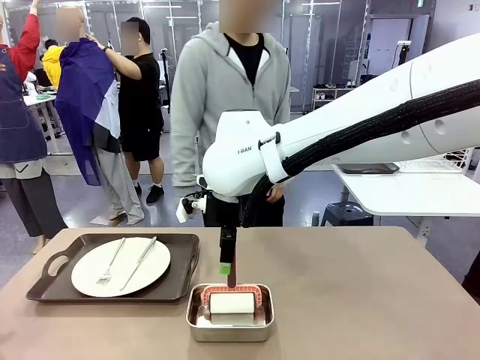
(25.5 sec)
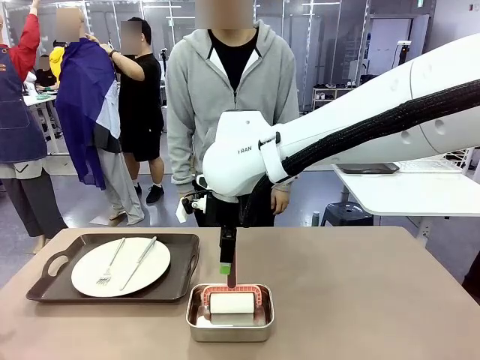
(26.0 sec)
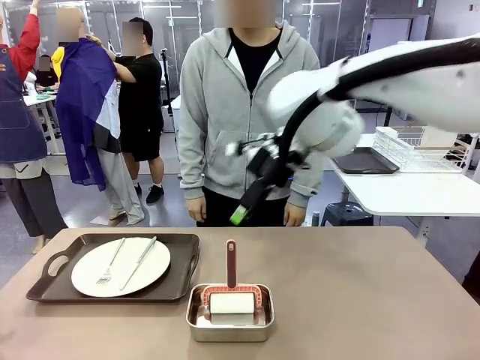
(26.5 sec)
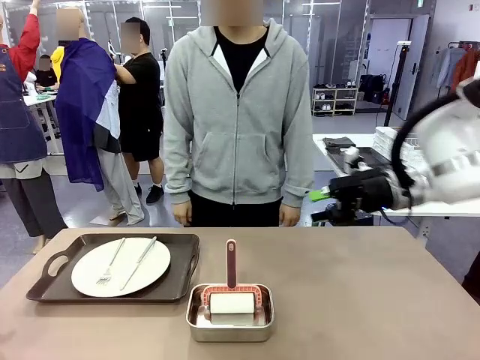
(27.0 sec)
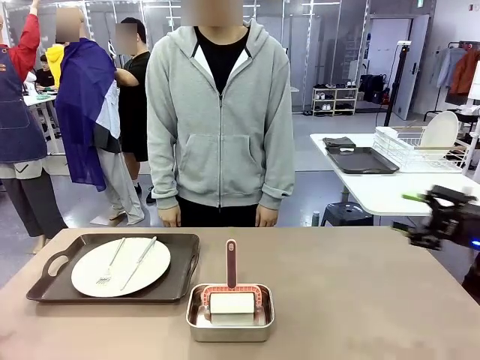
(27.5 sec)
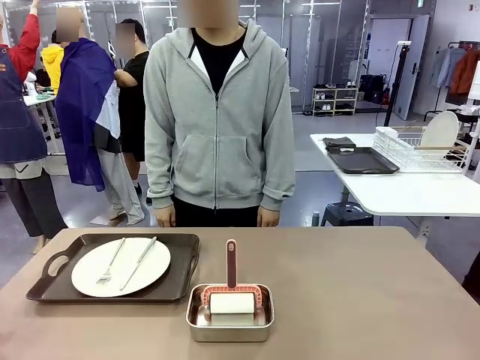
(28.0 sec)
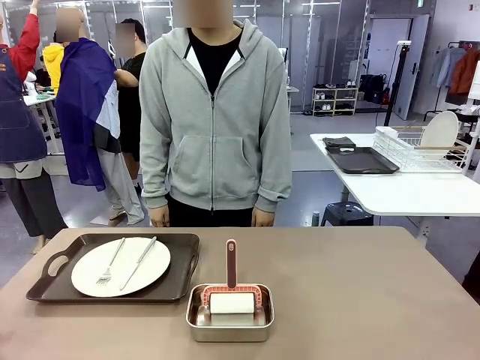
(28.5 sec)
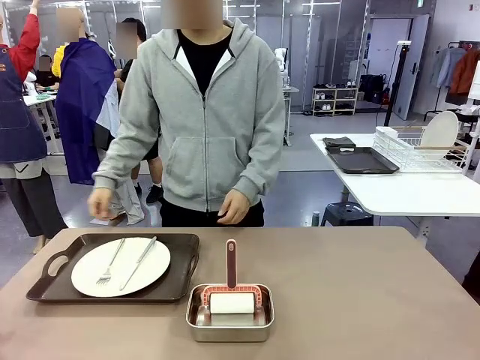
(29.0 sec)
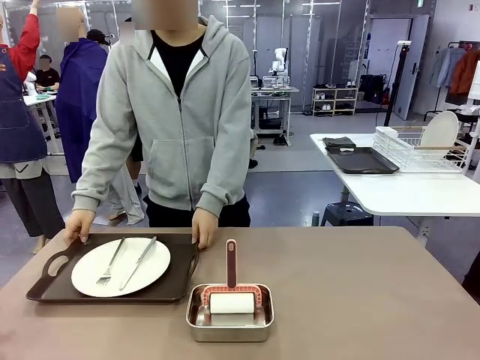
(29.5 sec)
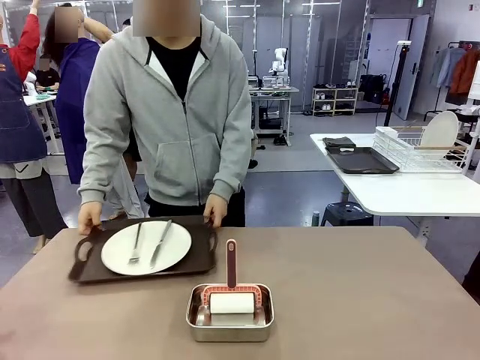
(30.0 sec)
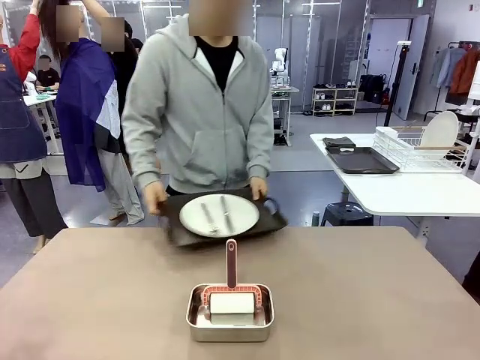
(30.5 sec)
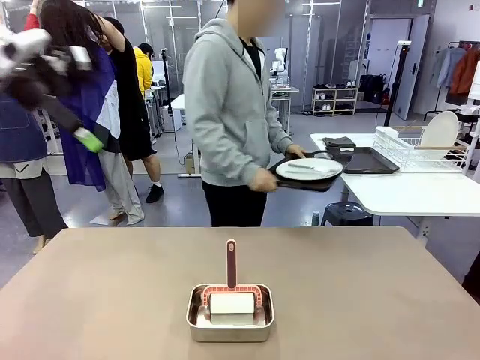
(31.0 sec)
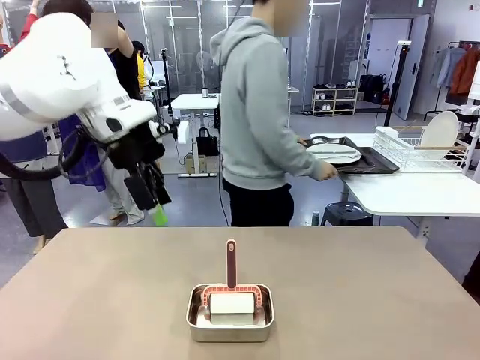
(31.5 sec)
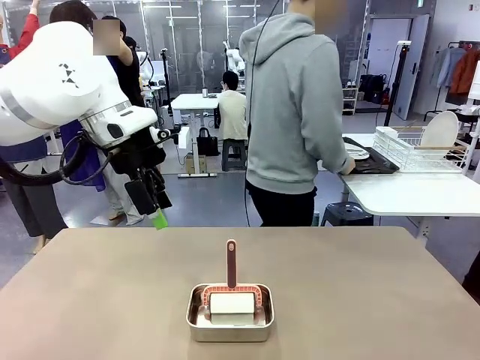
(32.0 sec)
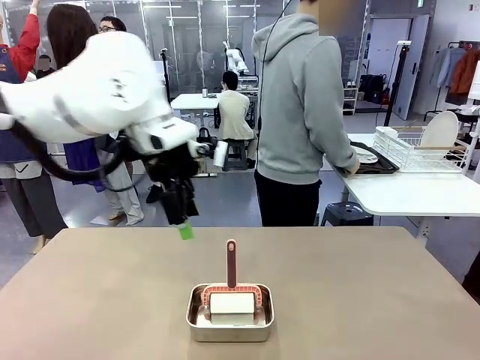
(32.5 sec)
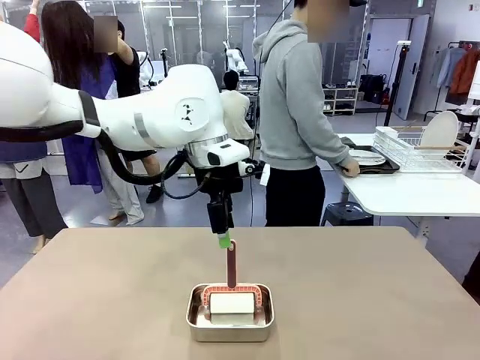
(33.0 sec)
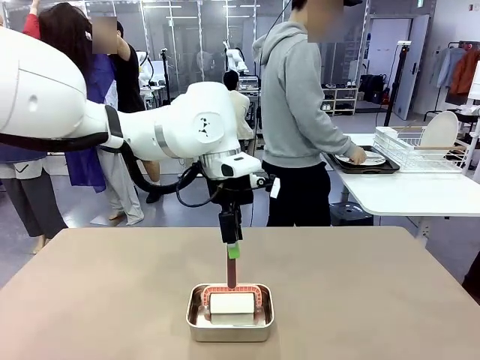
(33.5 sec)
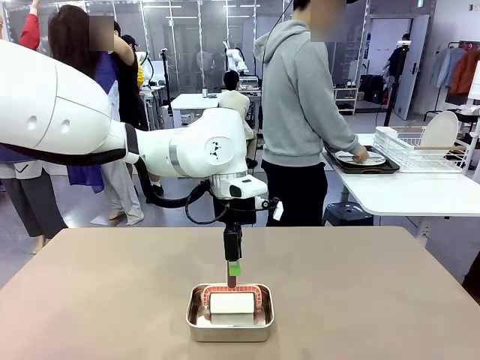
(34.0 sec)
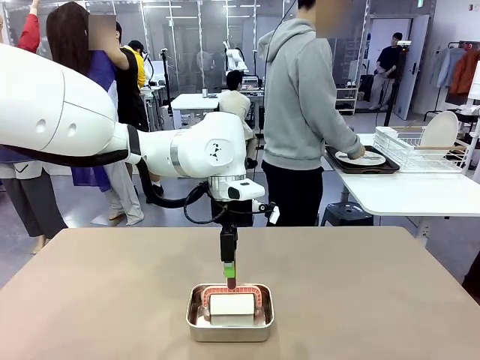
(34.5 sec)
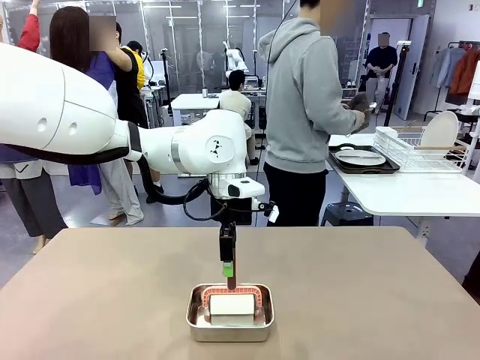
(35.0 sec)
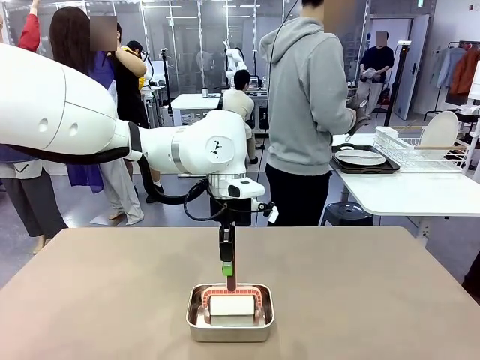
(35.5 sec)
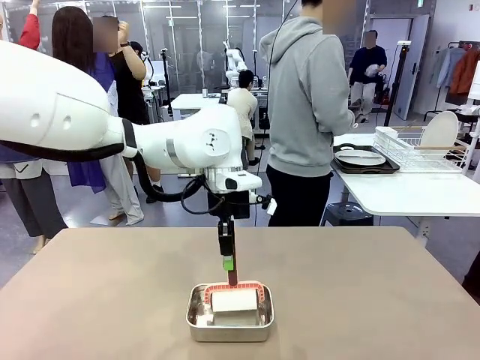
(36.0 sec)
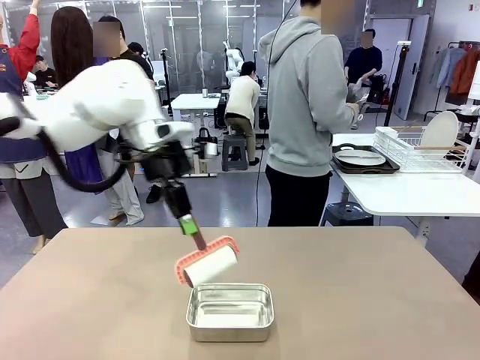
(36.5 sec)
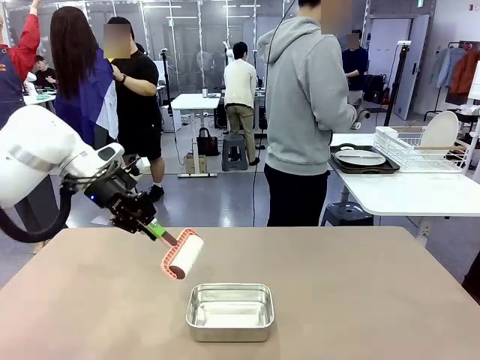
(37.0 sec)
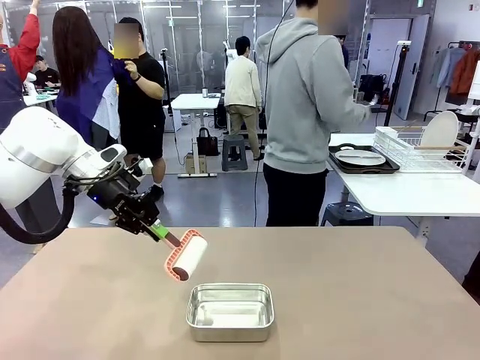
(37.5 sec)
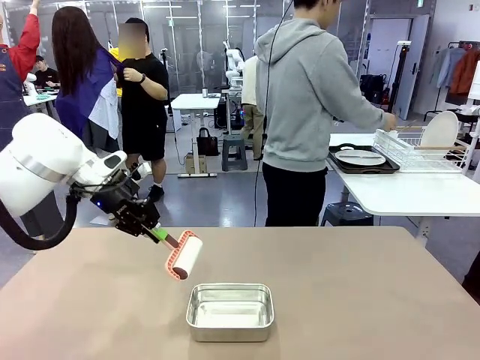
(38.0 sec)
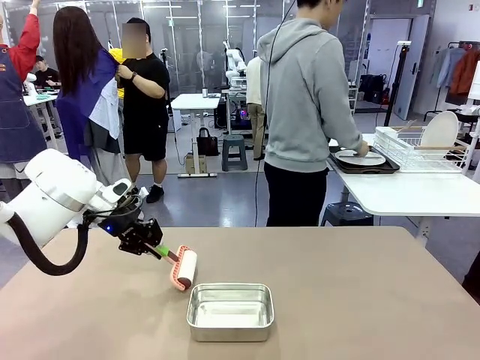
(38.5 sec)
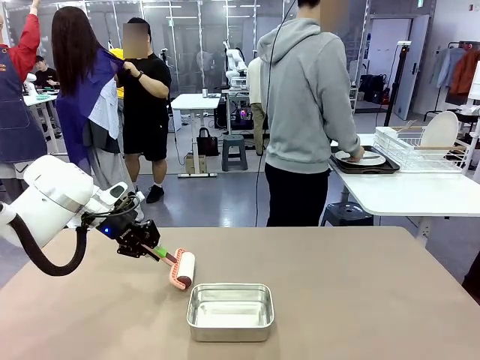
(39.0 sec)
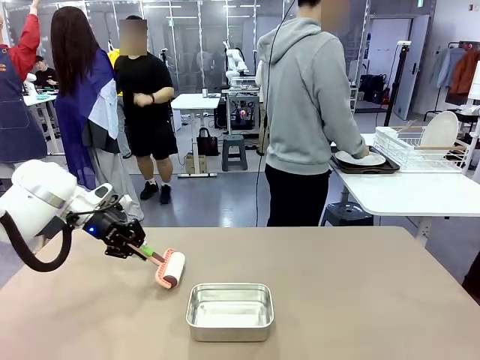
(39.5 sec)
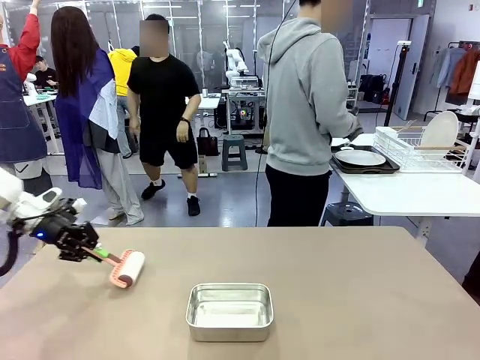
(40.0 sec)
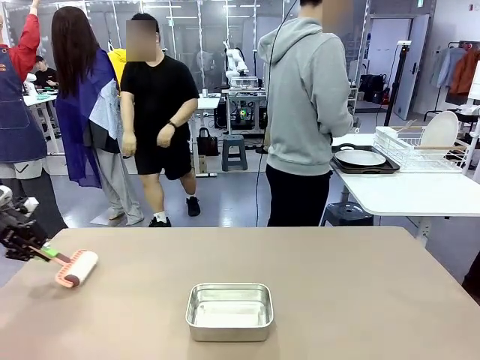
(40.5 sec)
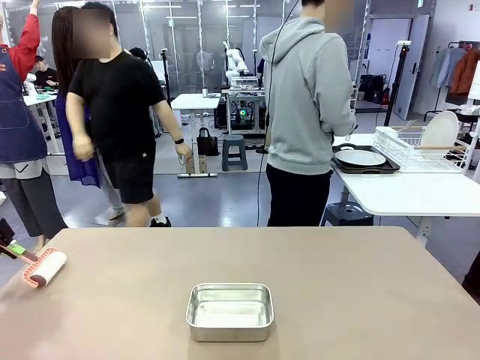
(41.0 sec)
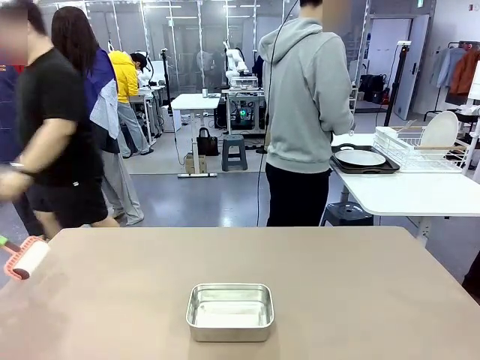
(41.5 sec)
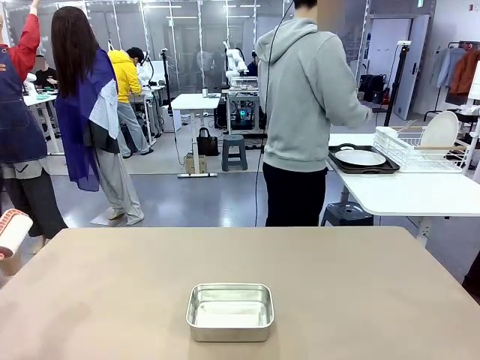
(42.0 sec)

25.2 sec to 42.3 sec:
Robot: When the right (or left) Handle tray is removed, use the right hand (or left hand) to clean the right (or left) side of the table with the Lint Roller.
Person: Pick up the left (or right) Handle tray and place it on the Handle tray.

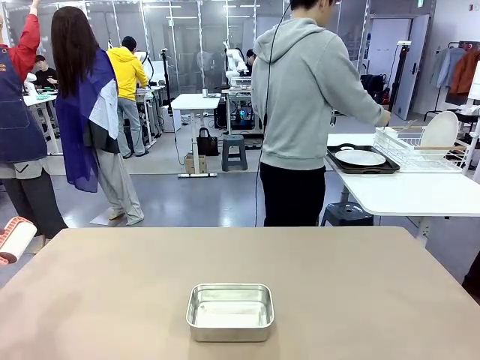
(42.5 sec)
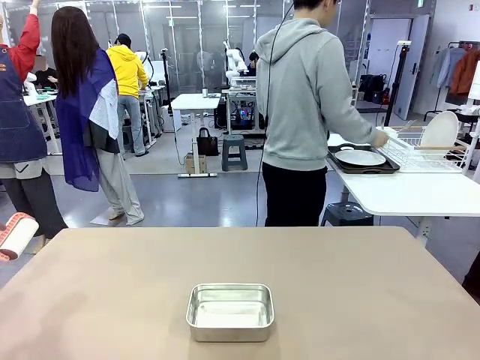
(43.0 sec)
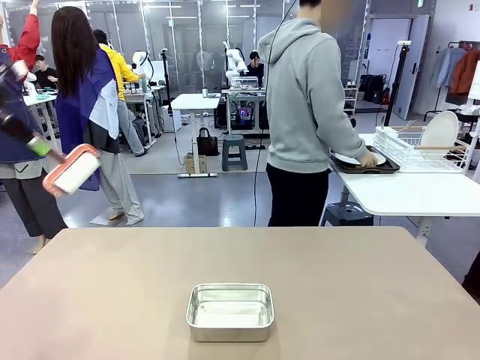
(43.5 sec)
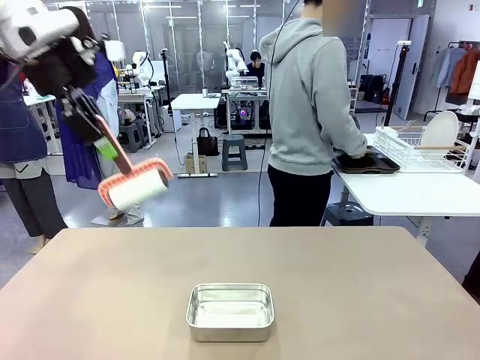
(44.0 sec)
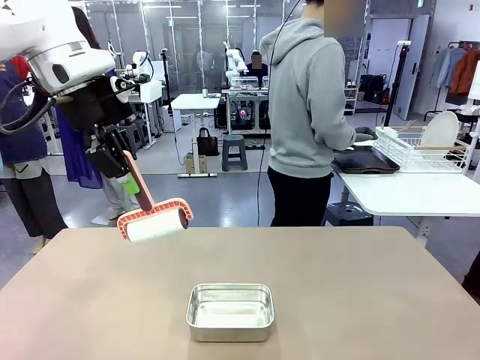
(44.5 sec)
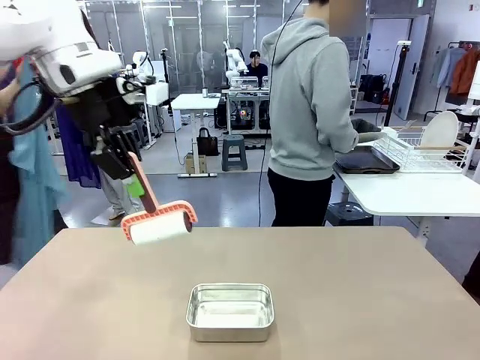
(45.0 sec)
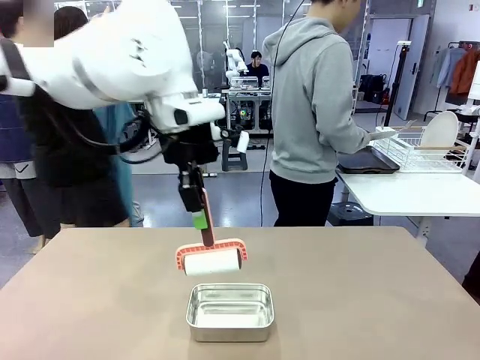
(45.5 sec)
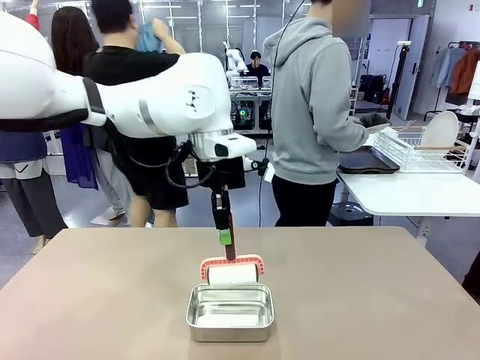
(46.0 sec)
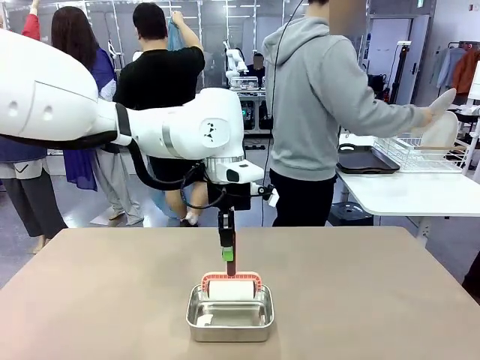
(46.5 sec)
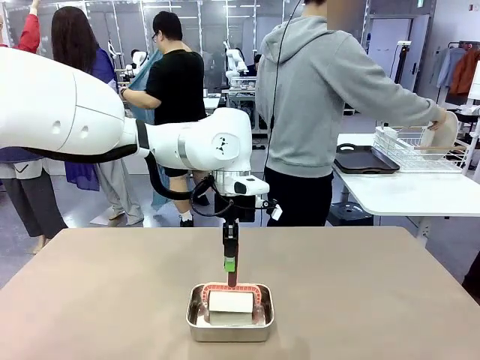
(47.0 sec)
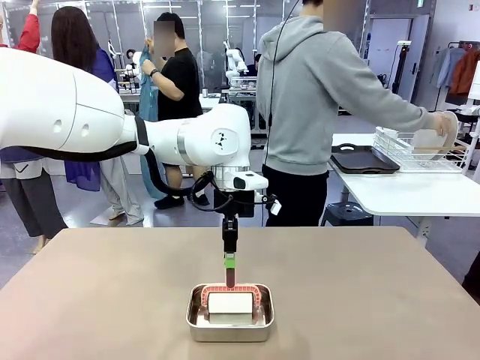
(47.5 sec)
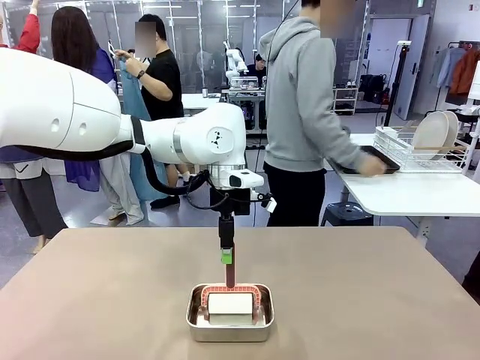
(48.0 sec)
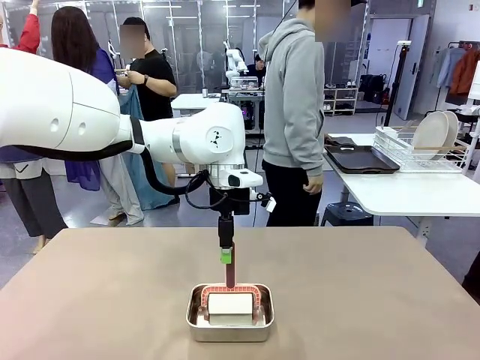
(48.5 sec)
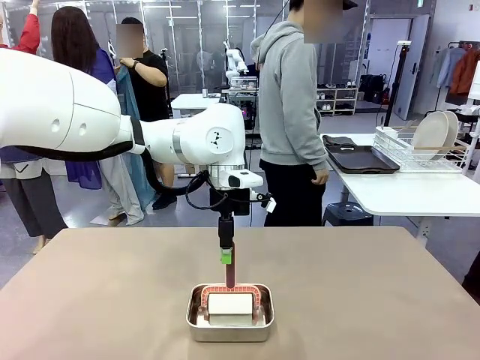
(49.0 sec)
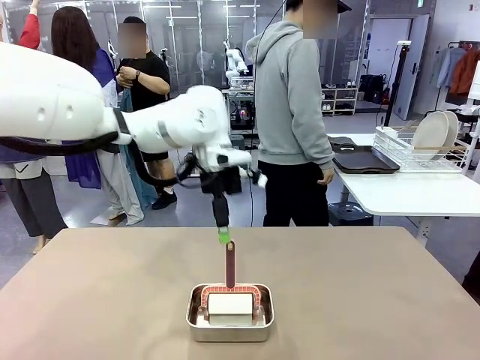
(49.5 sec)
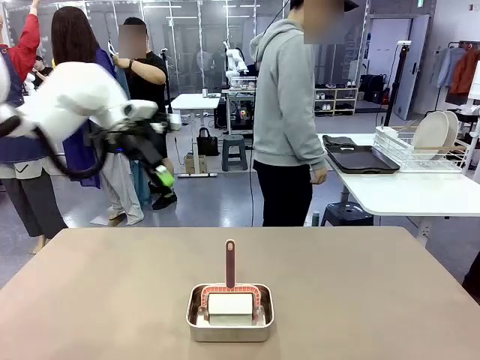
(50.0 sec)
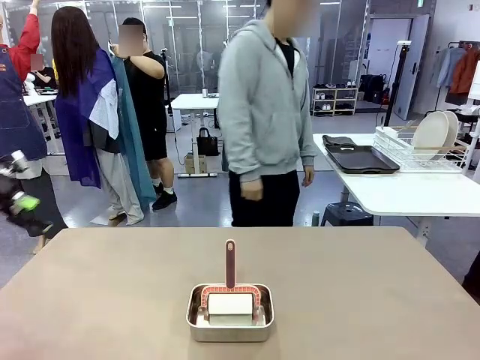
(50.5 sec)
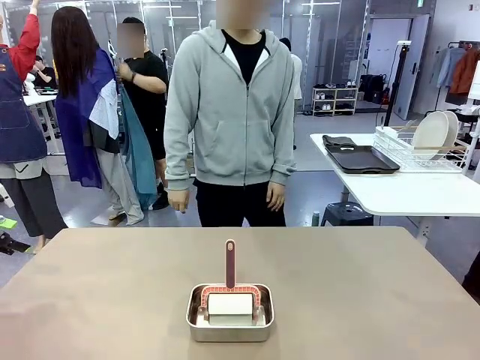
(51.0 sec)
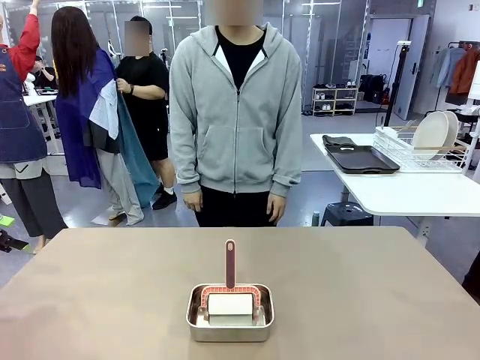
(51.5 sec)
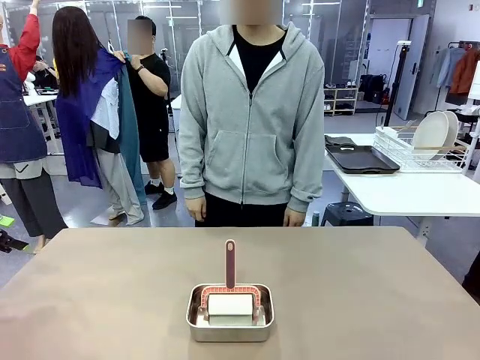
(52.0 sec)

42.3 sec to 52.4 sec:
Robot: Place the Lint Roller back on top of the Airtight Container.
Person: Use the Towel with hook to wipe the Plastic Matte Plate , Fork , and Knife and place into the Dish drying rack.
